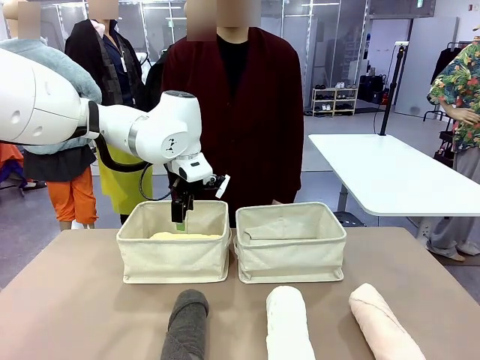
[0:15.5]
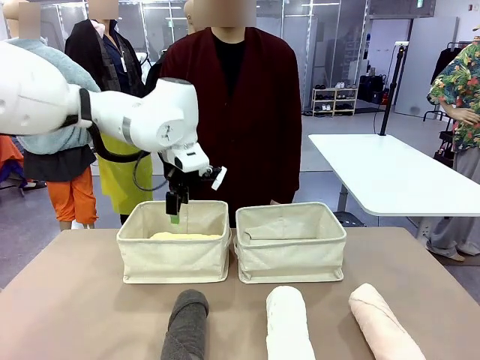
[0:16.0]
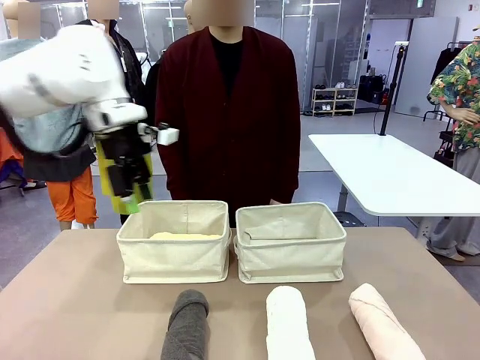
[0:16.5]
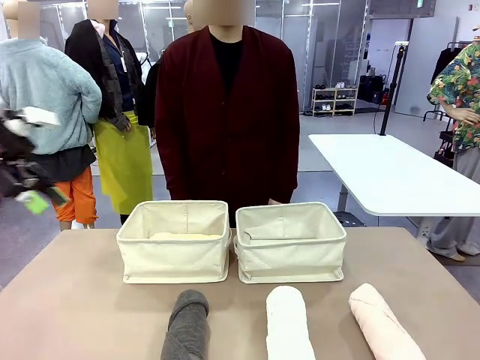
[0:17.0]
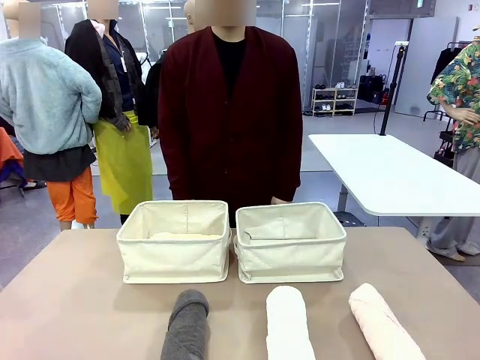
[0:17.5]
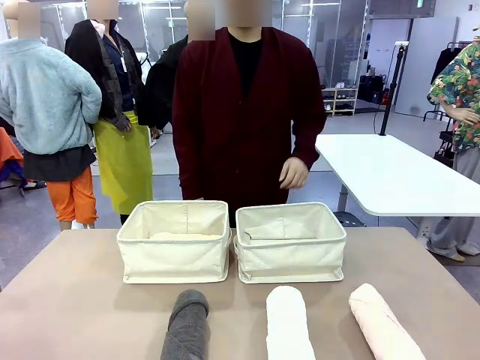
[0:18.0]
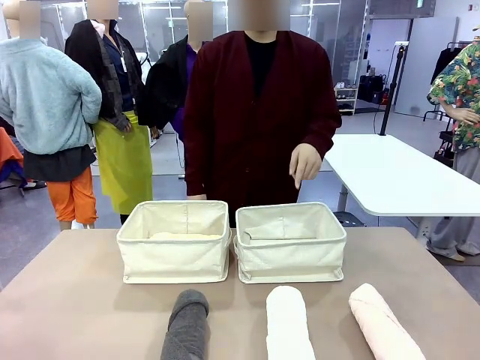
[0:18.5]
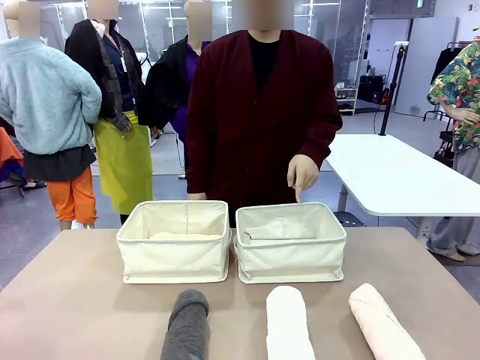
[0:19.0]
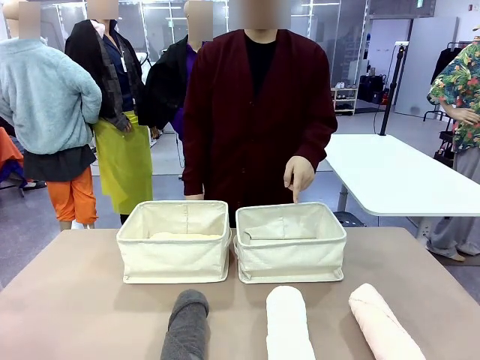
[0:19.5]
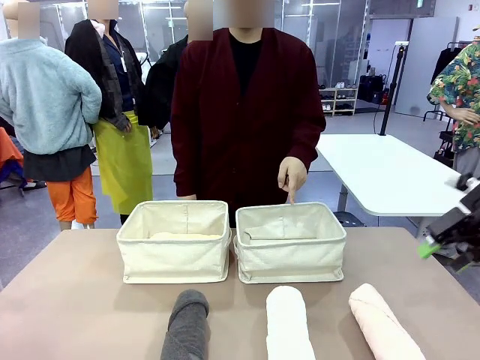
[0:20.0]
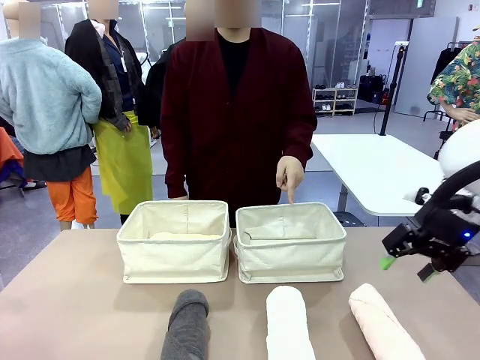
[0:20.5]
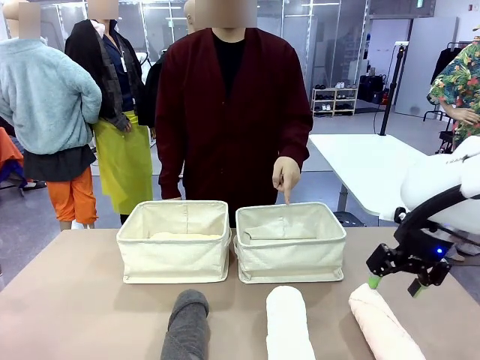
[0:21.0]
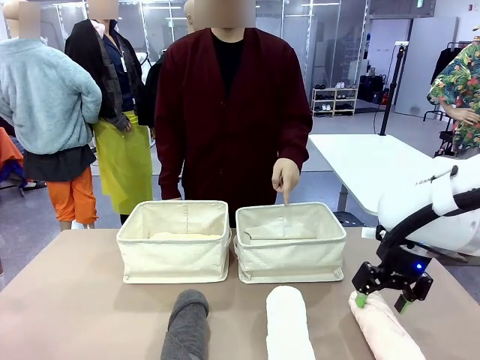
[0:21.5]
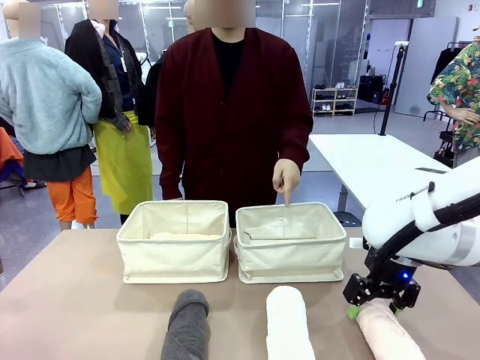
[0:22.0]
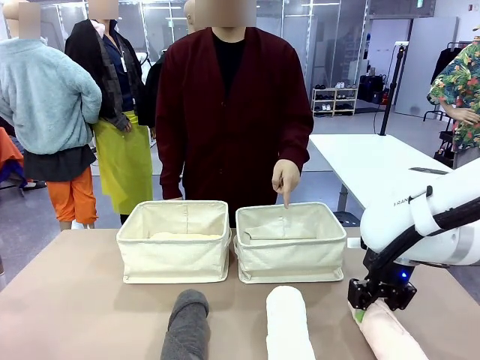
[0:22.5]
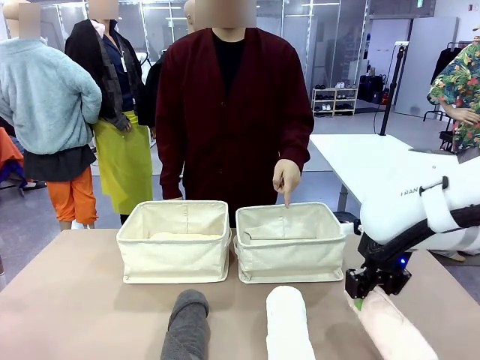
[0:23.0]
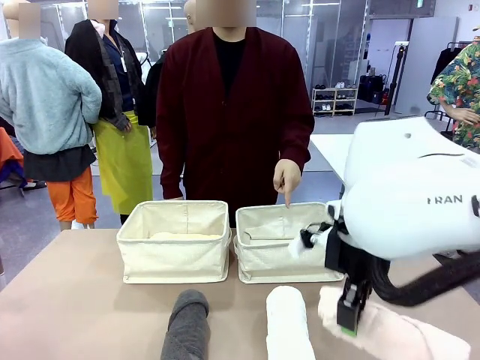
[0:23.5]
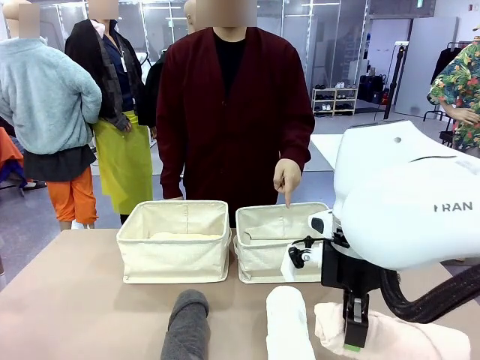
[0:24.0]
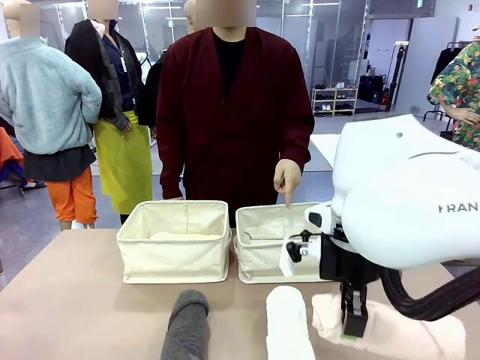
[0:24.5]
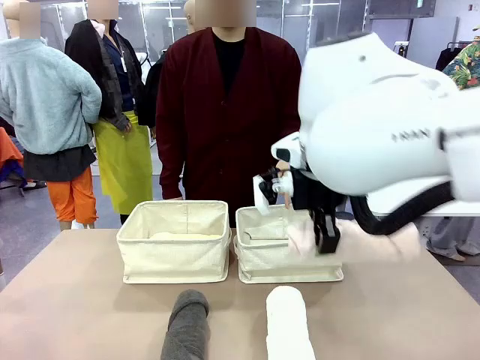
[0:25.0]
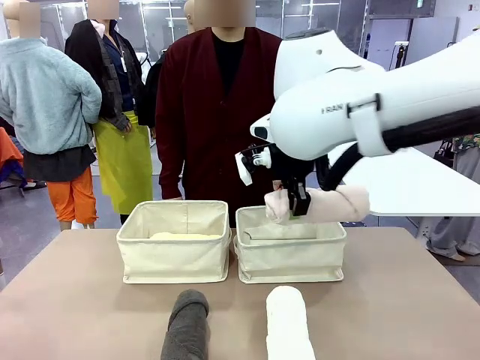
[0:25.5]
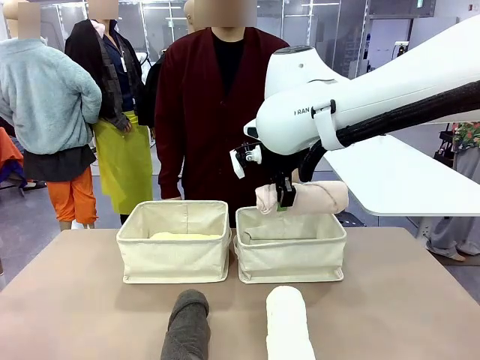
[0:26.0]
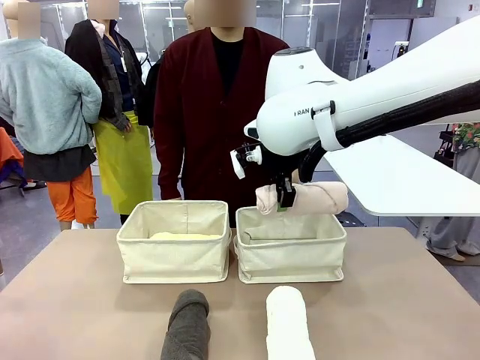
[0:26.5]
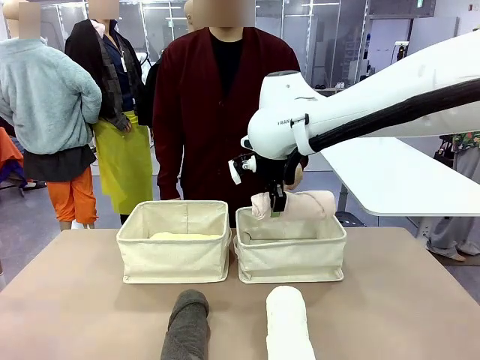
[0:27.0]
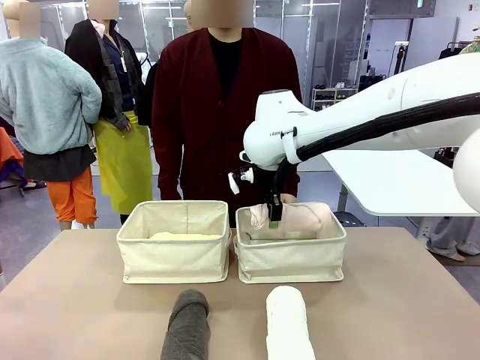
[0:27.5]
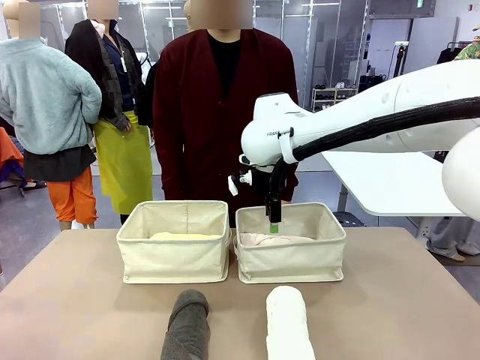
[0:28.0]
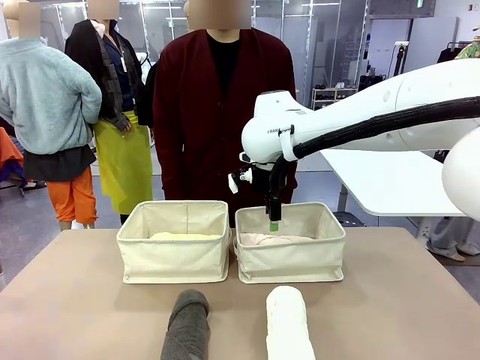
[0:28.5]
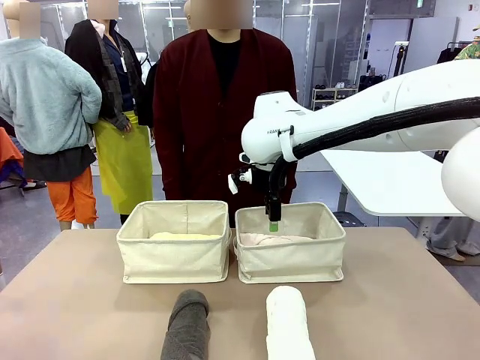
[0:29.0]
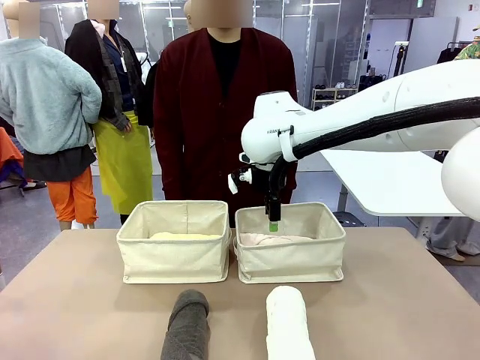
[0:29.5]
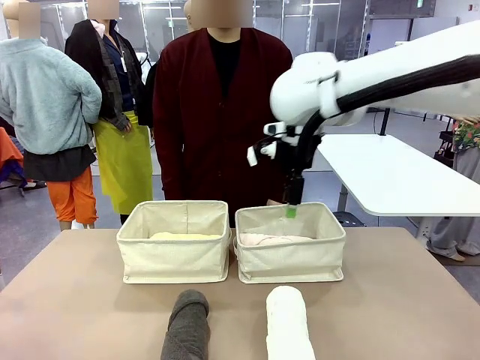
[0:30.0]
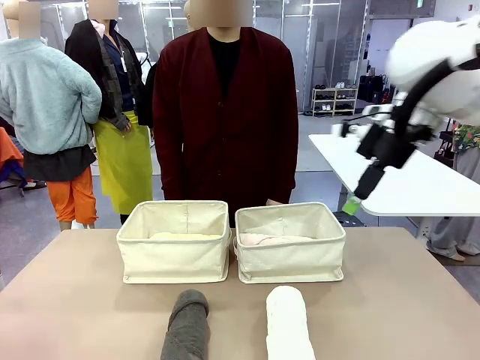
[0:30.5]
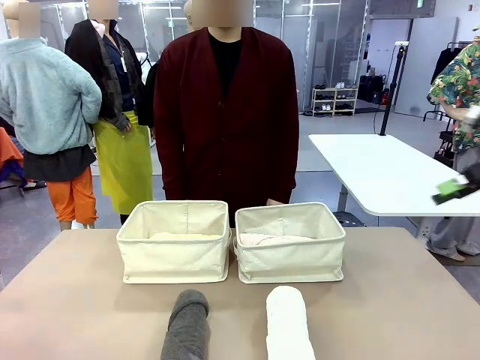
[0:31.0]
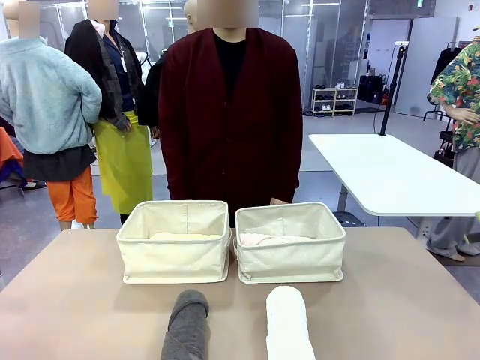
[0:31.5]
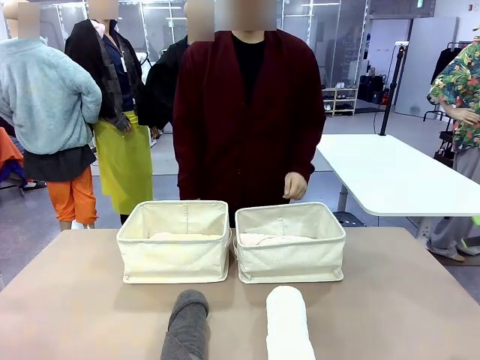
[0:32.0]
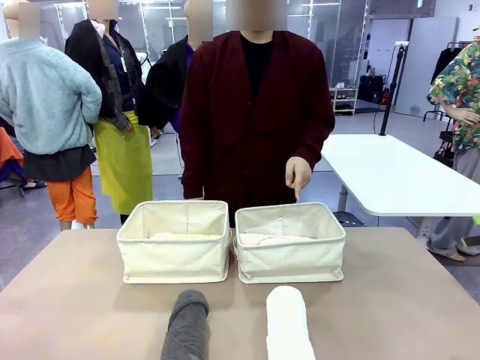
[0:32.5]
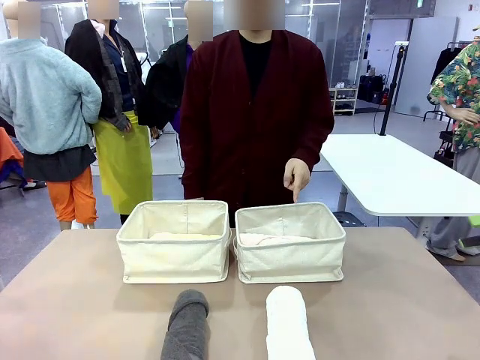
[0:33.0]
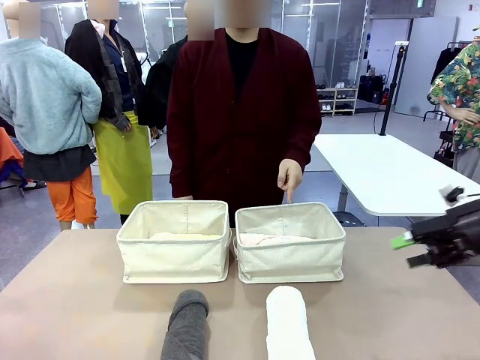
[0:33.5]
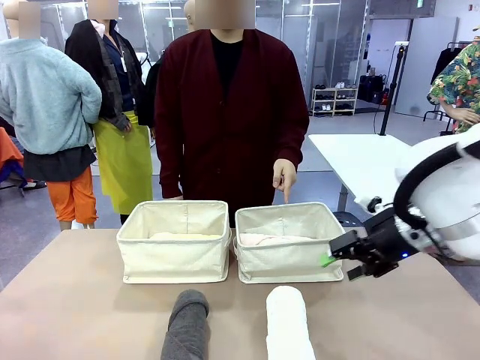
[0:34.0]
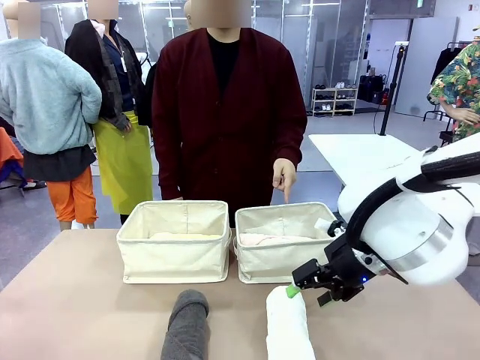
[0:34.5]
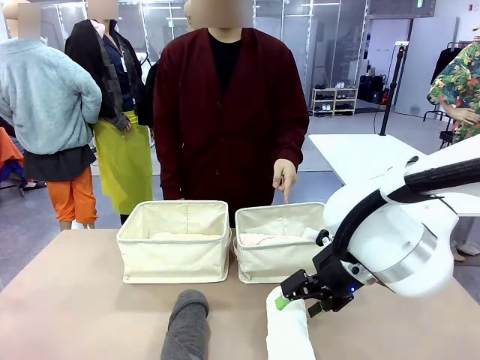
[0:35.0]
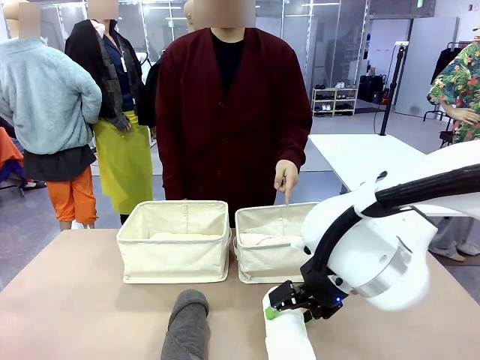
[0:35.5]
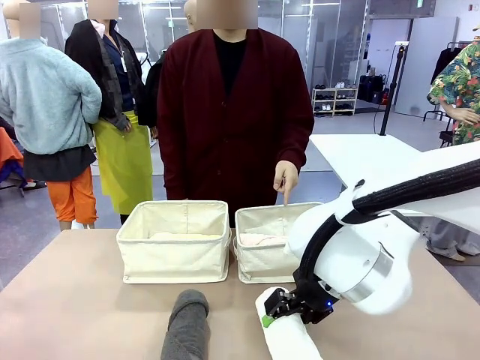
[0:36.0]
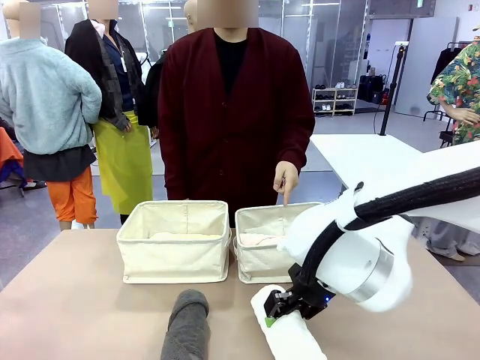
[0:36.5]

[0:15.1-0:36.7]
Task: Divide the towels into two baskets.
Robot: Pick up one hotel-folded towel from the bottom of the table and place it in the Fabric basket indicated by the person.
